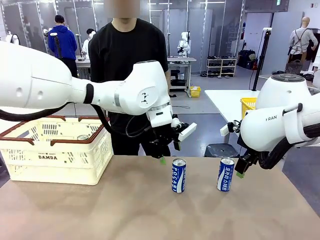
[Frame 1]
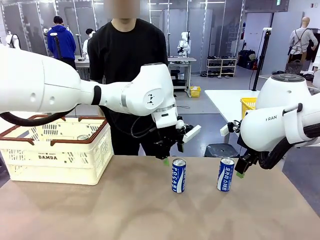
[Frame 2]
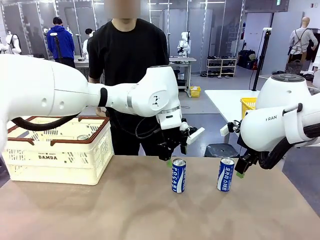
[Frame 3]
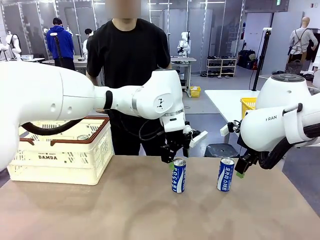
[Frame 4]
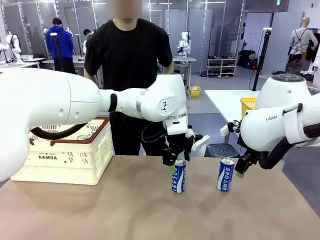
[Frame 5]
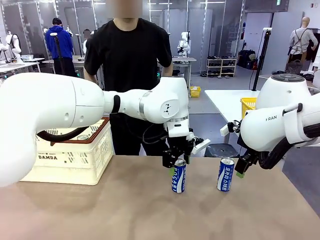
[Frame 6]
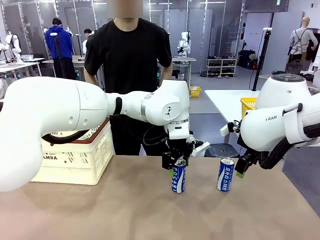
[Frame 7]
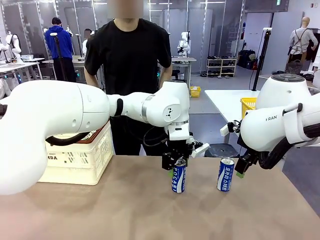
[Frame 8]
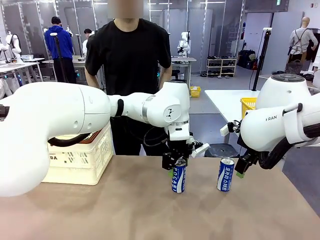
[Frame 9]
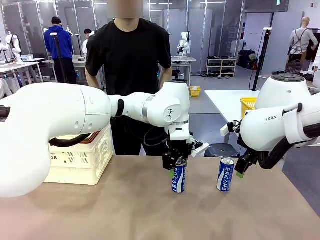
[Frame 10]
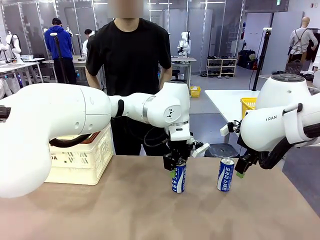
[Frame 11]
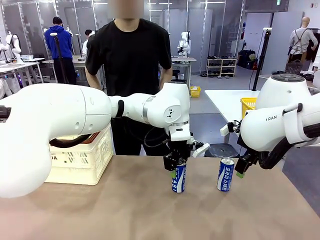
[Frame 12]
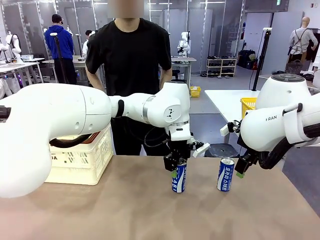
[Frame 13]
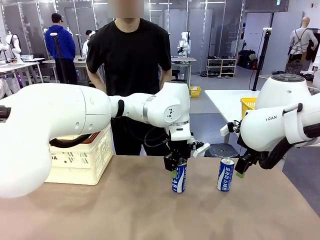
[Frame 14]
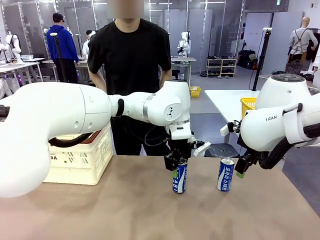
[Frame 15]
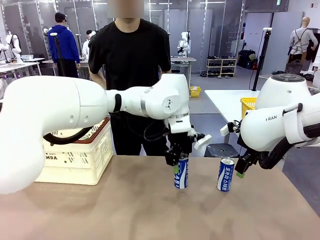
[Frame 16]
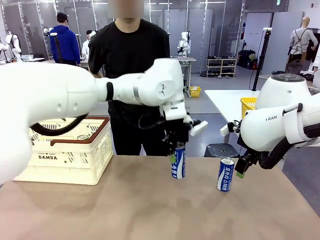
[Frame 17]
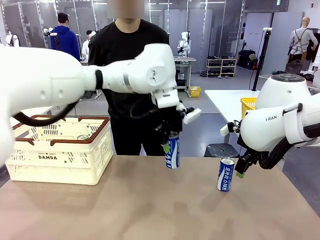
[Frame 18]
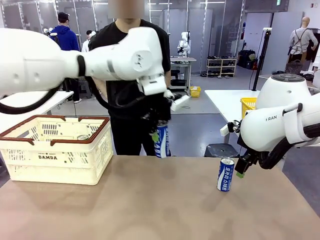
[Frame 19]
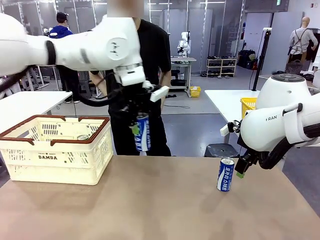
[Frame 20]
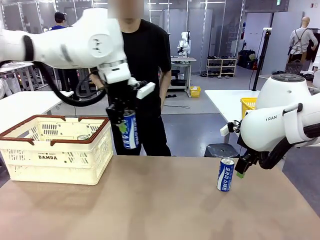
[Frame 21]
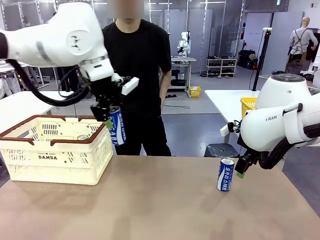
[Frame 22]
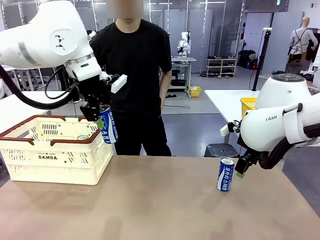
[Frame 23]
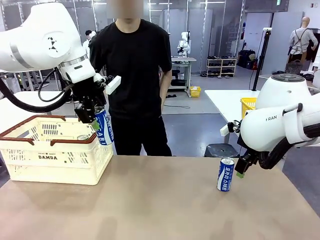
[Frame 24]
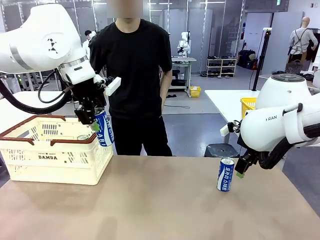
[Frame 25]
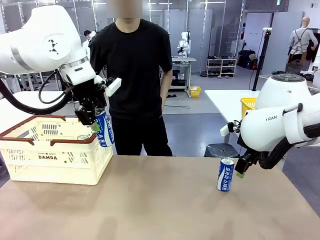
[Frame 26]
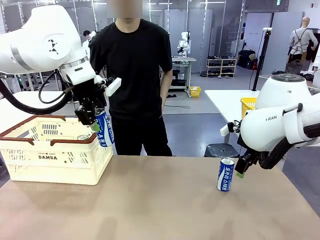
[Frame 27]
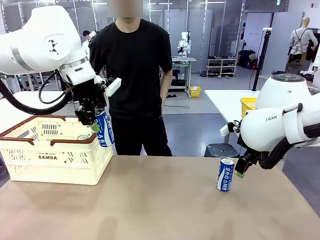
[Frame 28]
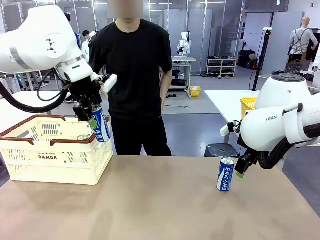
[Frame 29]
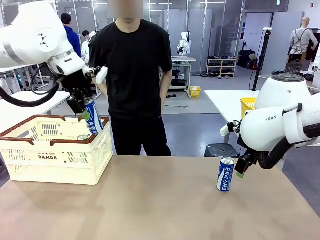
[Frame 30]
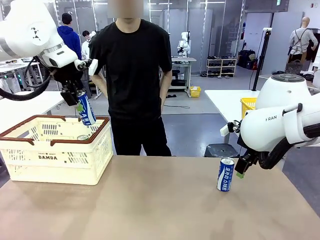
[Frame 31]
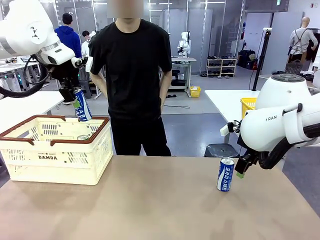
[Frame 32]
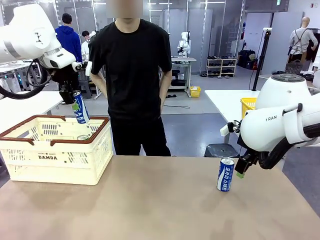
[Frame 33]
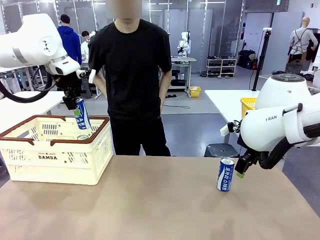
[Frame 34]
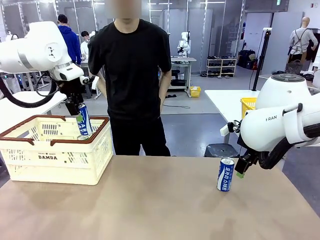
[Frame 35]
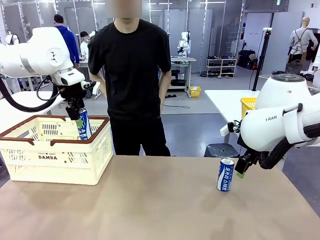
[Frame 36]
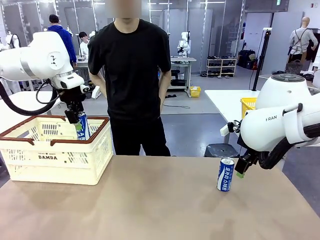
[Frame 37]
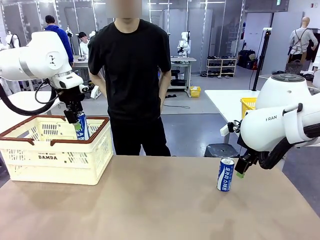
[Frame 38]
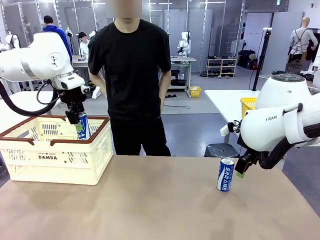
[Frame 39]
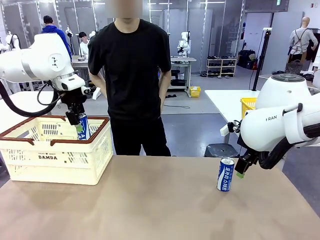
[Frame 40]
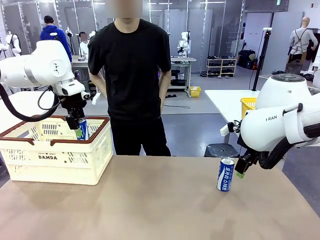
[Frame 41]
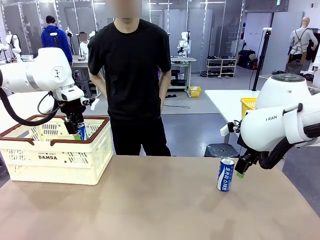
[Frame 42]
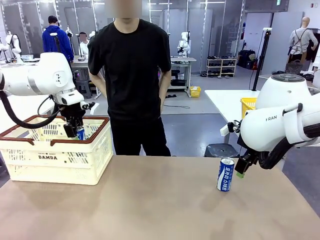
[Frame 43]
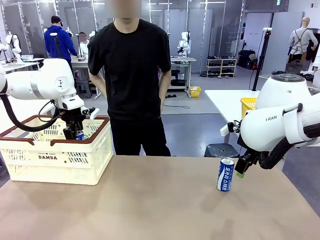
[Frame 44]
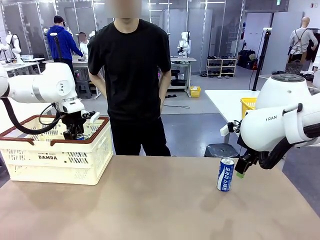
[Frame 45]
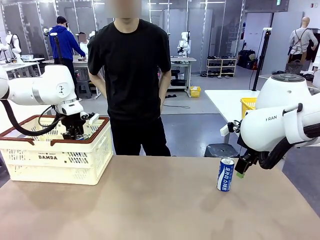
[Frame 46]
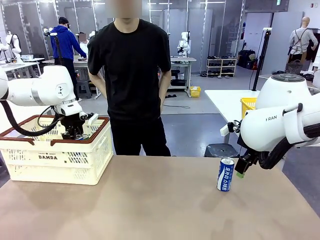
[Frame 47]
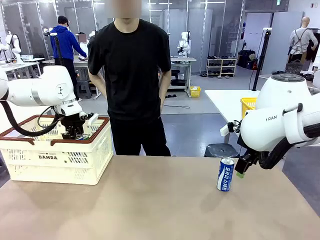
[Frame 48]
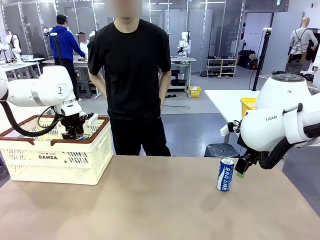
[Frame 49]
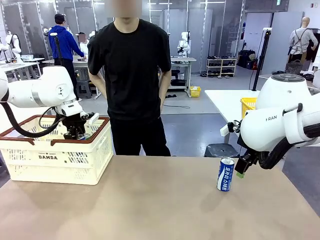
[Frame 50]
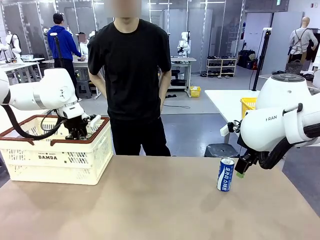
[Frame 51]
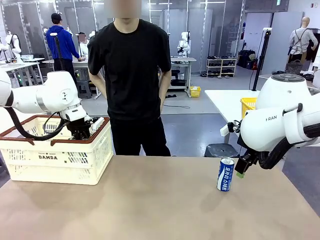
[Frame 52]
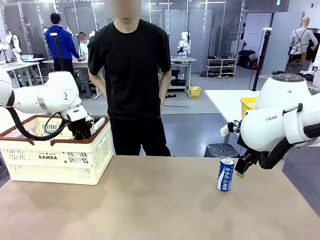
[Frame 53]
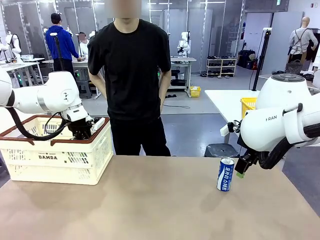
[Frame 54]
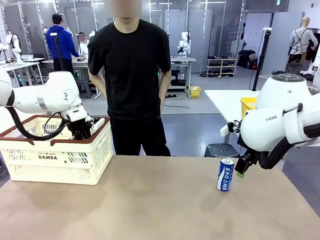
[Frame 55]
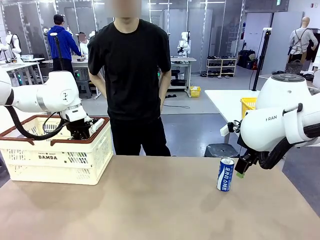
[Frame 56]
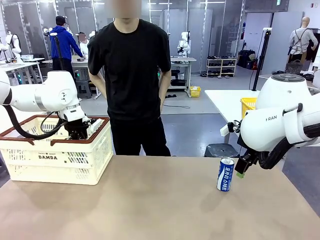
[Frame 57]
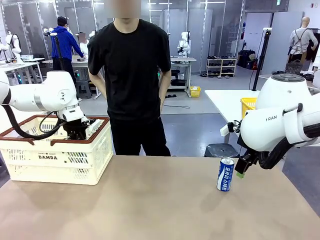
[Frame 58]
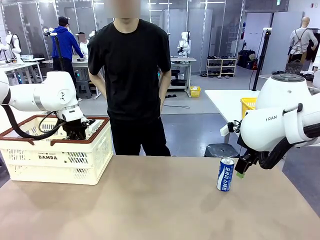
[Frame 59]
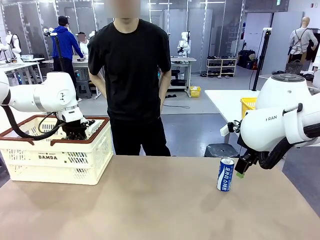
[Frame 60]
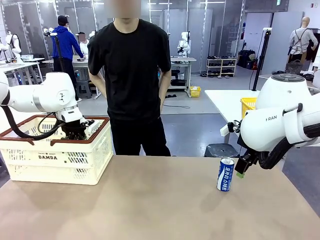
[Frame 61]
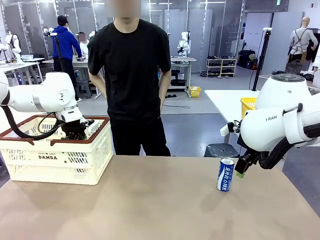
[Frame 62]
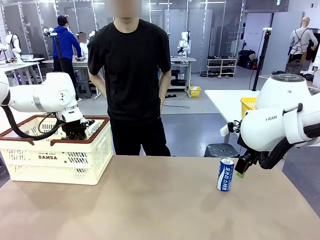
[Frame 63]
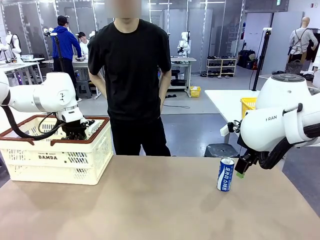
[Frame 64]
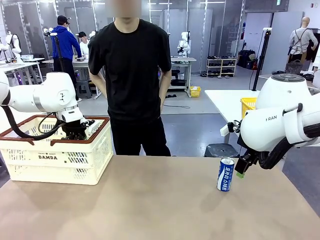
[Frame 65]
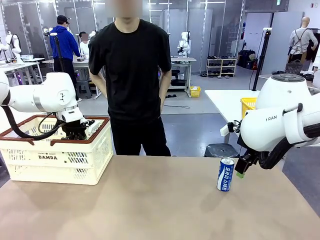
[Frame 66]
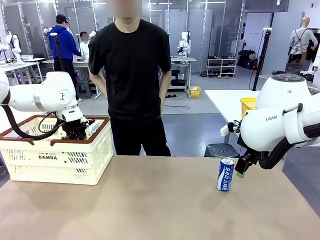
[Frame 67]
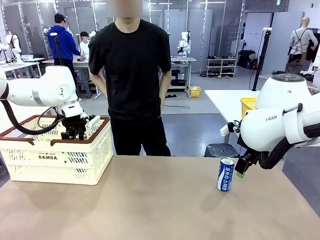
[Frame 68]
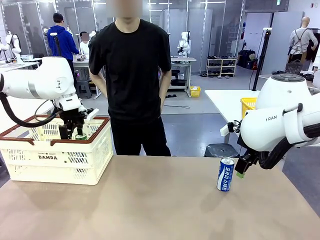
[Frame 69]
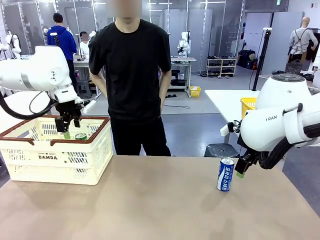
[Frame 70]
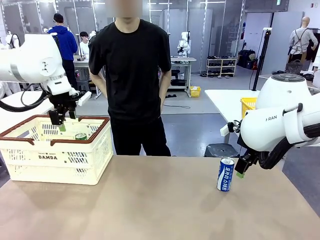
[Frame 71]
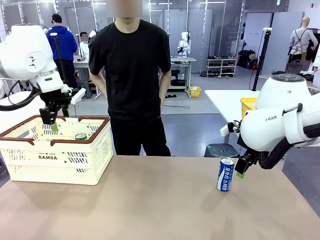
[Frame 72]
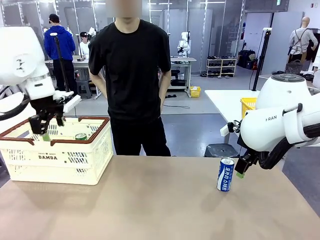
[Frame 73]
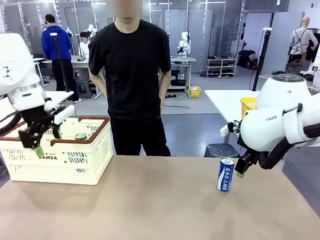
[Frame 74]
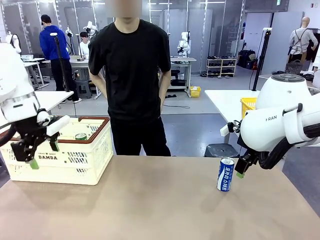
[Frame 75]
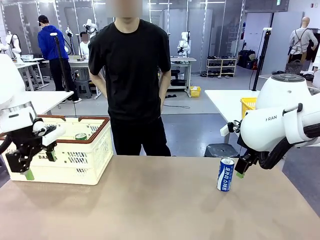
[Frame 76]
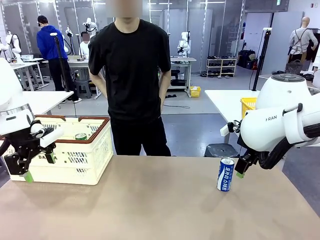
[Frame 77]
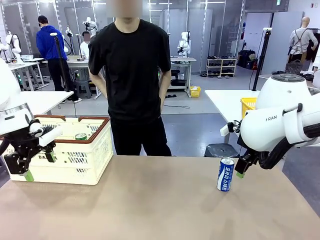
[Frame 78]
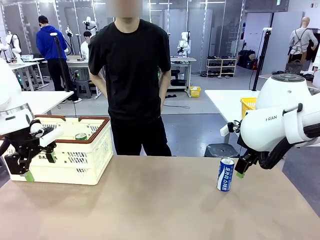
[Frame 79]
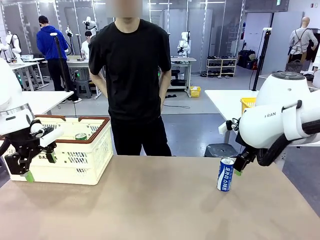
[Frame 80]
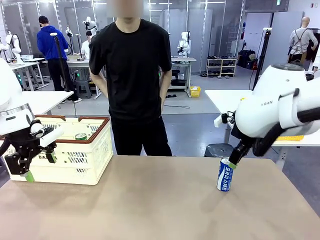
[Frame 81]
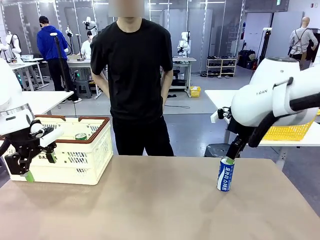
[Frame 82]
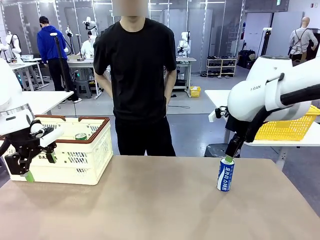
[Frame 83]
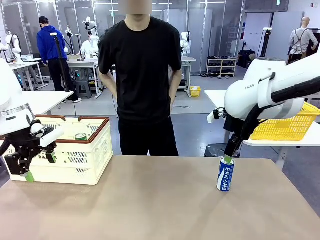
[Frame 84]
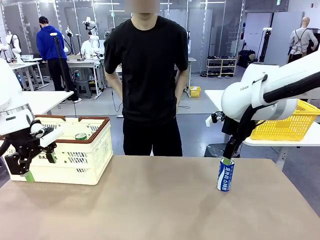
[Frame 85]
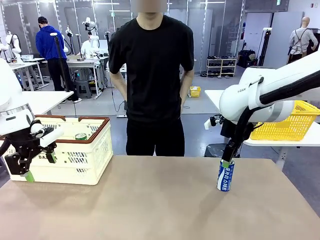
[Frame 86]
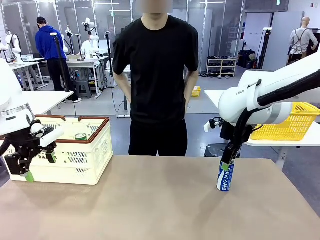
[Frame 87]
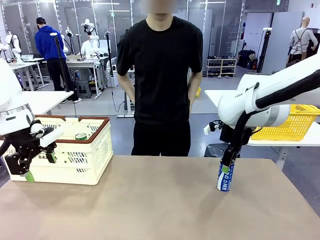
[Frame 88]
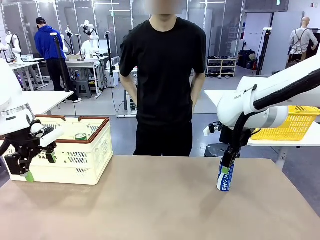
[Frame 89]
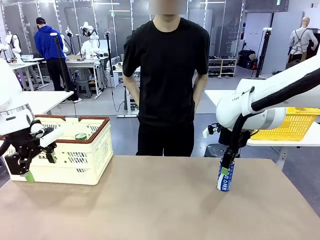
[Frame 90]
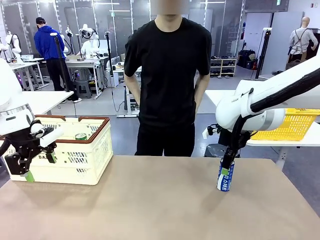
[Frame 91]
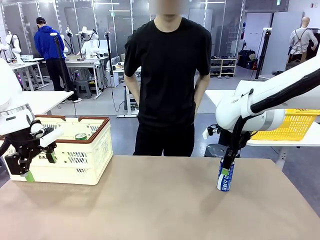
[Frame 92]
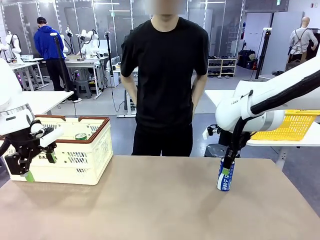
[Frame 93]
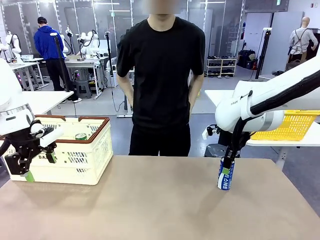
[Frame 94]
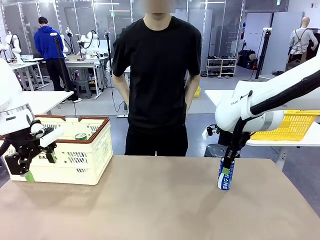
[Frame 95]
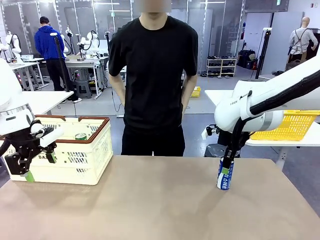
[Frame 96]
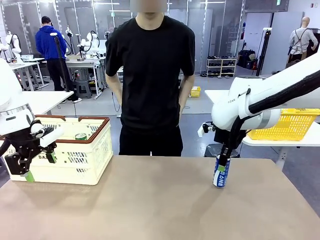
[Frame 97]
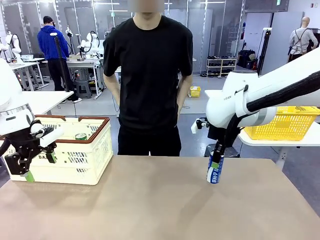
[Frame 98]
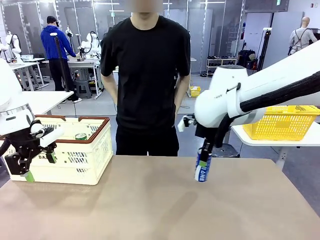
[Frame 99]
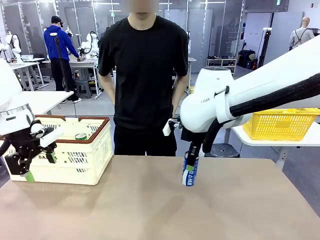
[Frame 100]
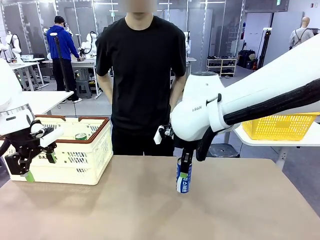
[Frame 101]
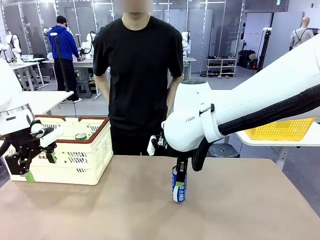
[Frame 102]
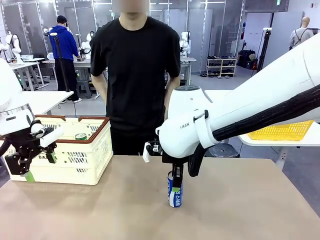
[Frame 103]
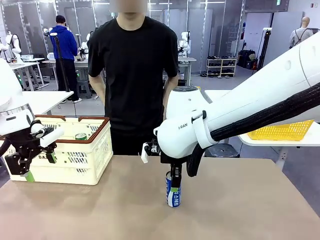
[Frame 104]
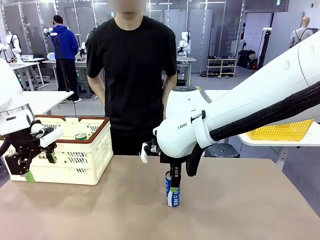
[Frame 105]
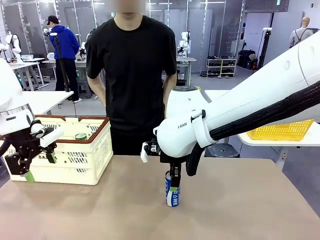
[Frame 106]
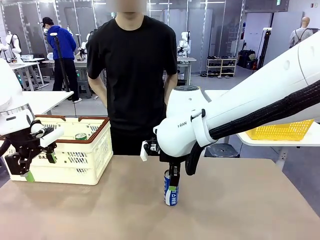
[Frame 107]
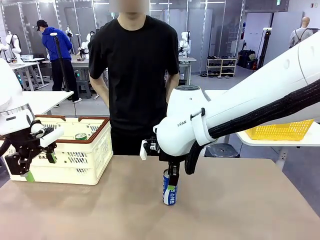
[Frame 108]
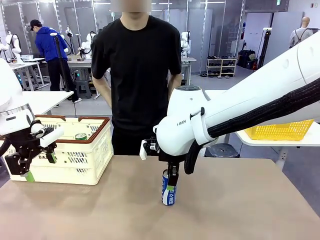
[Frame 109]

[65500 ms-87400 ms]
Task: Place the drinks into the Shopping basket.
Robot: Pick up one drink and place it into the Shopping basket.
